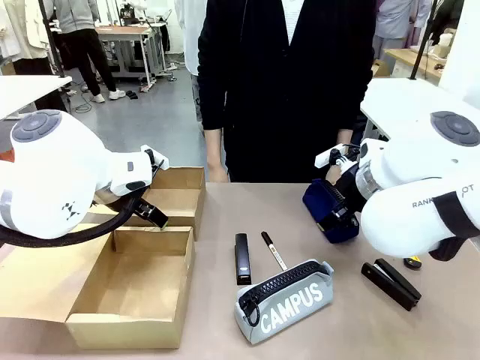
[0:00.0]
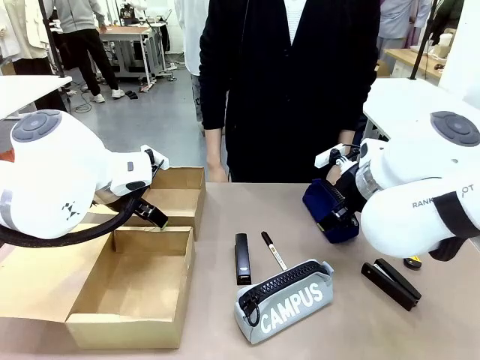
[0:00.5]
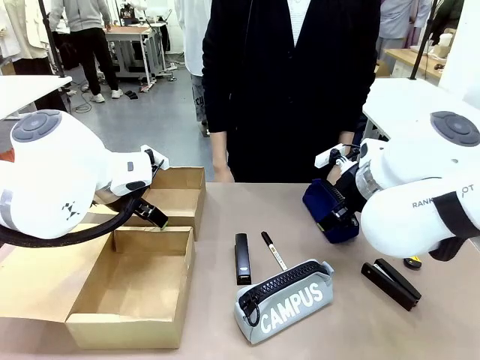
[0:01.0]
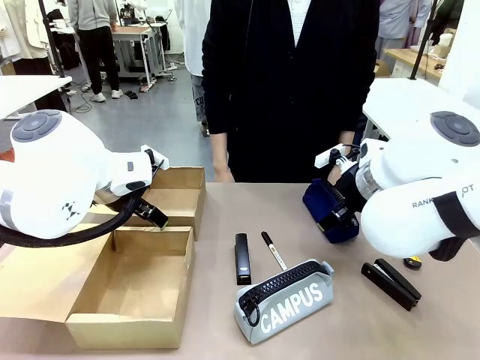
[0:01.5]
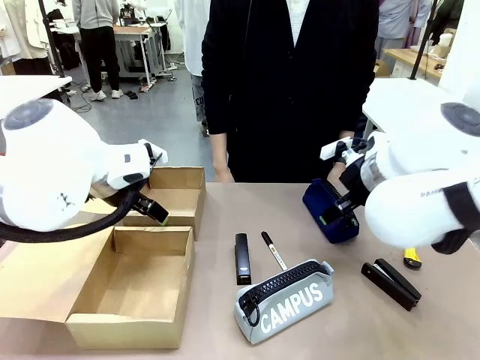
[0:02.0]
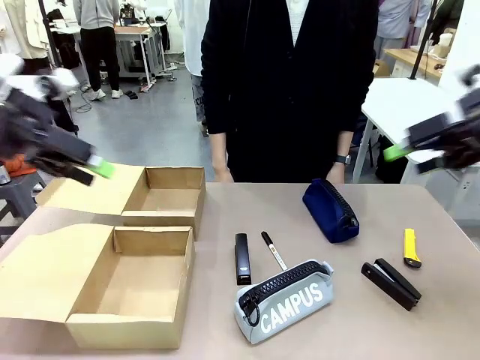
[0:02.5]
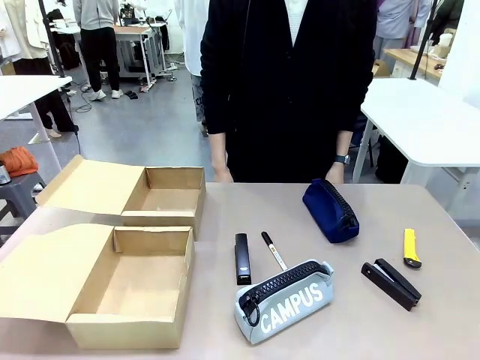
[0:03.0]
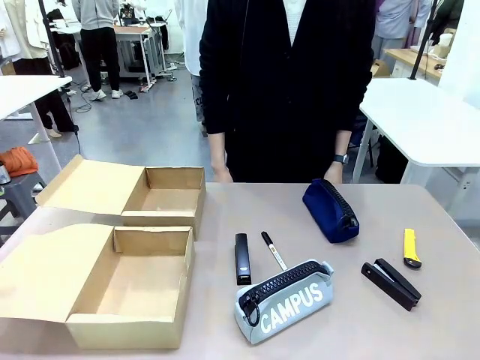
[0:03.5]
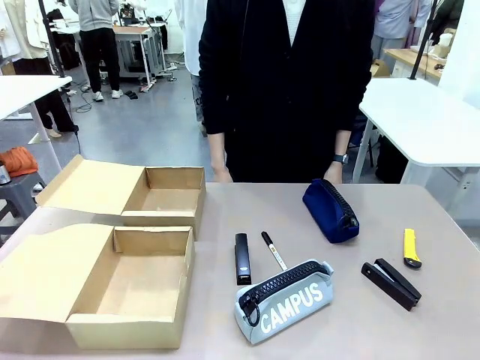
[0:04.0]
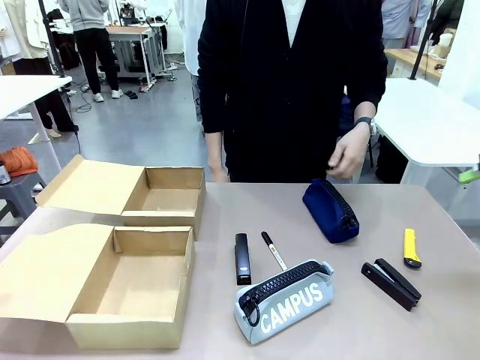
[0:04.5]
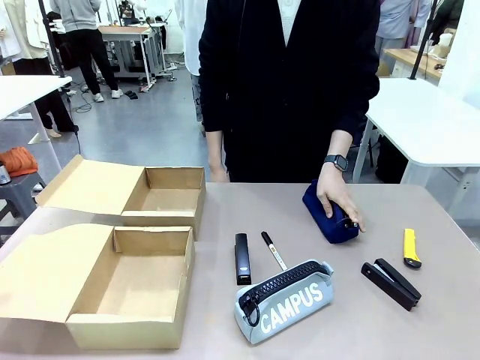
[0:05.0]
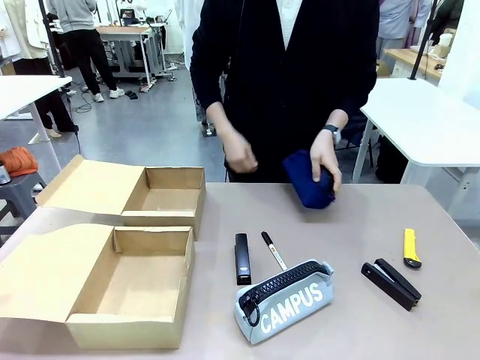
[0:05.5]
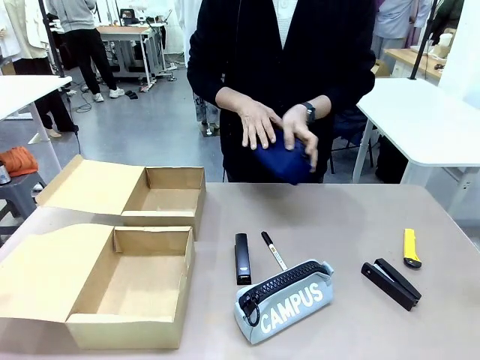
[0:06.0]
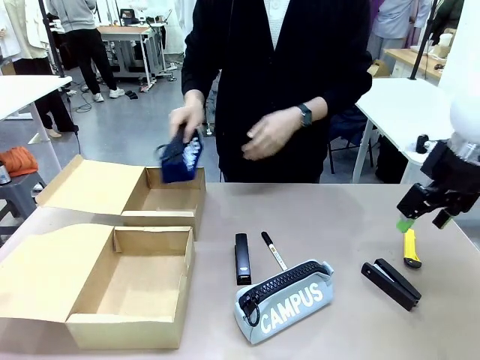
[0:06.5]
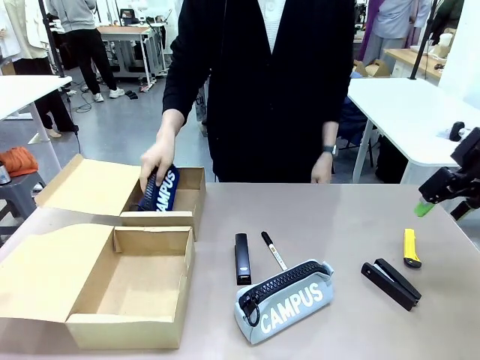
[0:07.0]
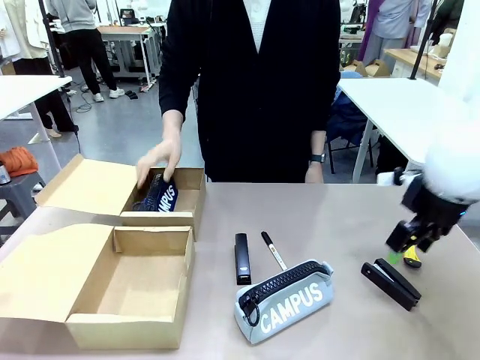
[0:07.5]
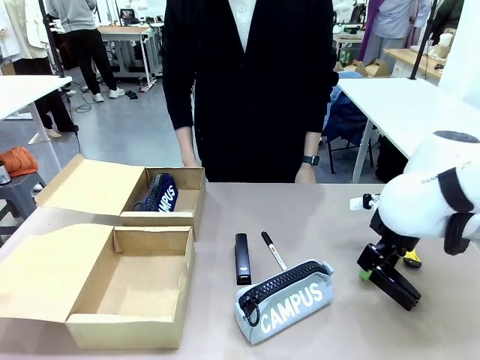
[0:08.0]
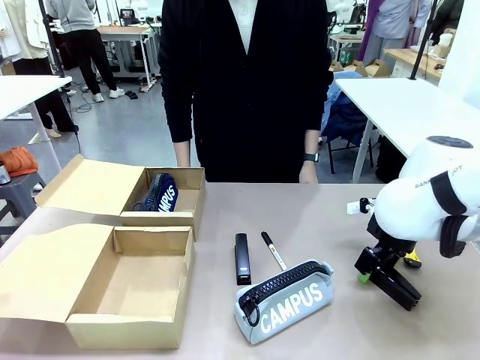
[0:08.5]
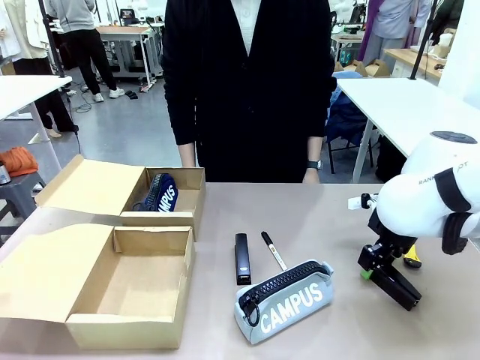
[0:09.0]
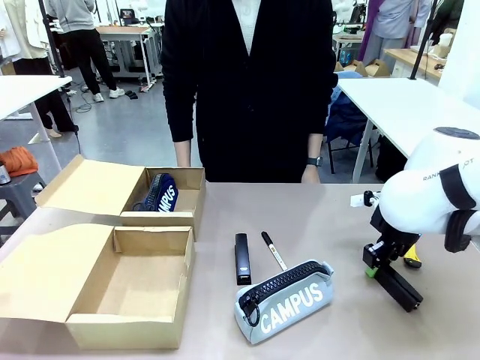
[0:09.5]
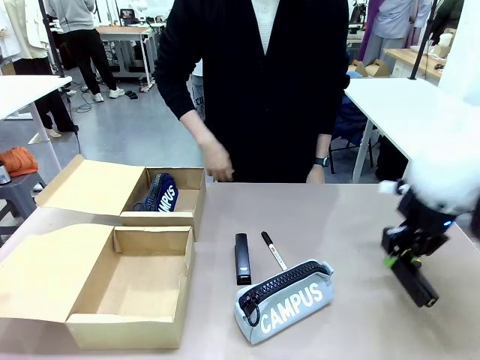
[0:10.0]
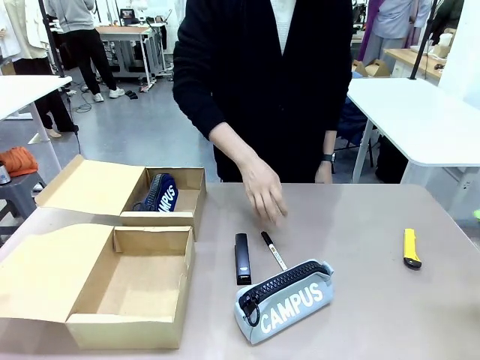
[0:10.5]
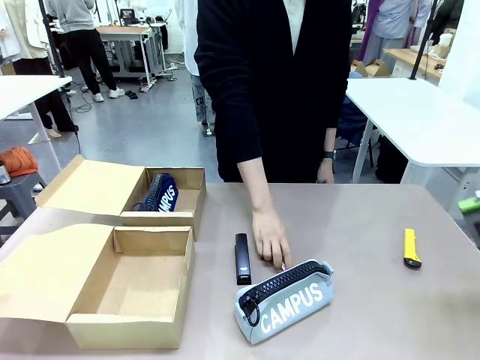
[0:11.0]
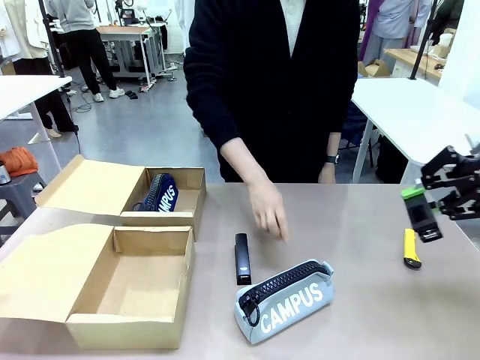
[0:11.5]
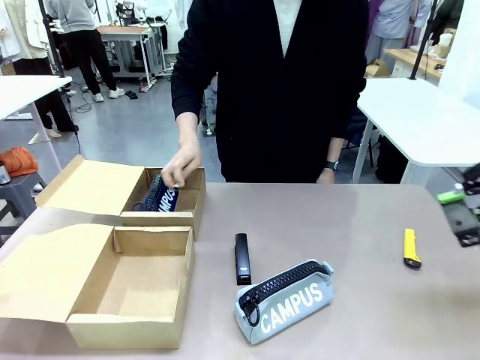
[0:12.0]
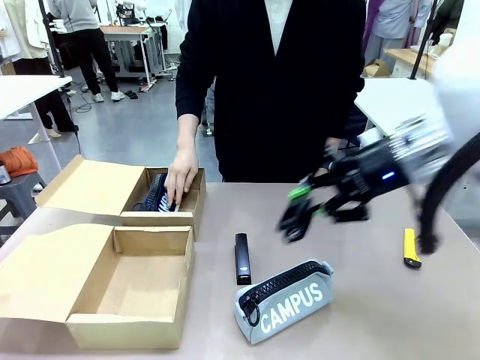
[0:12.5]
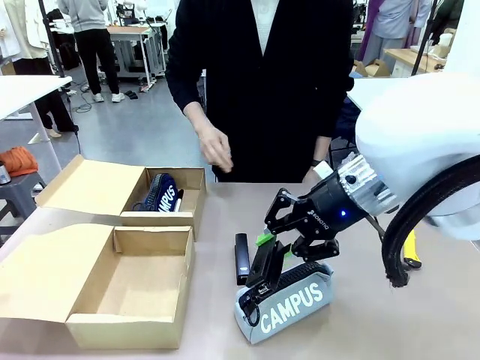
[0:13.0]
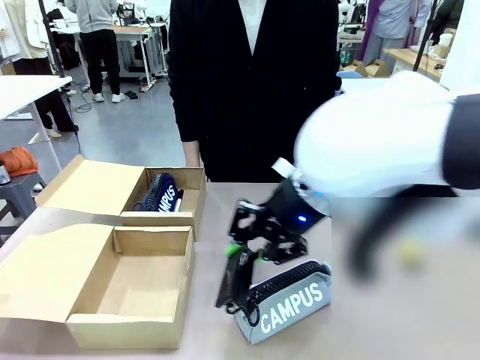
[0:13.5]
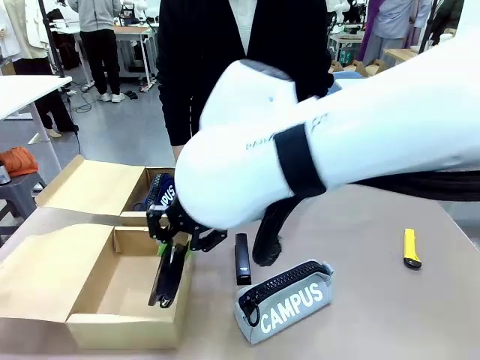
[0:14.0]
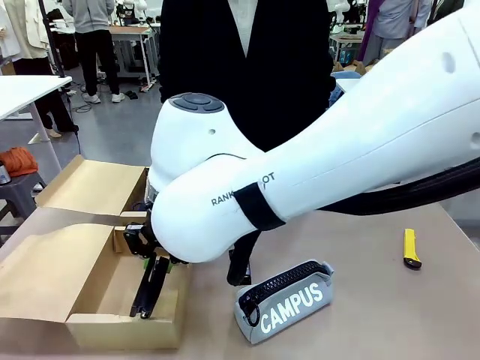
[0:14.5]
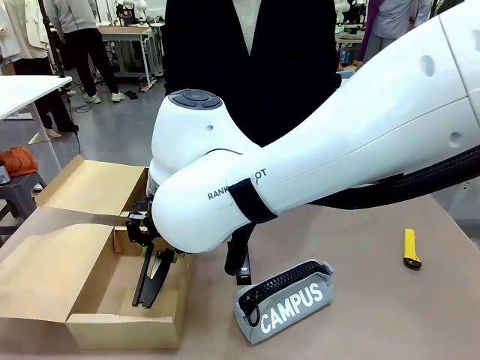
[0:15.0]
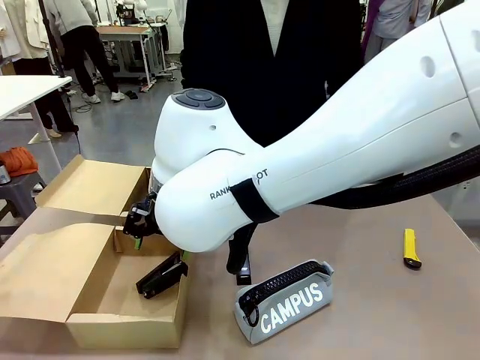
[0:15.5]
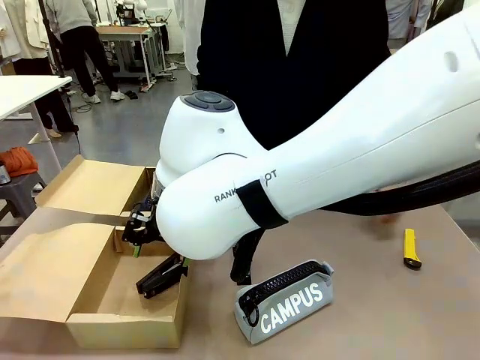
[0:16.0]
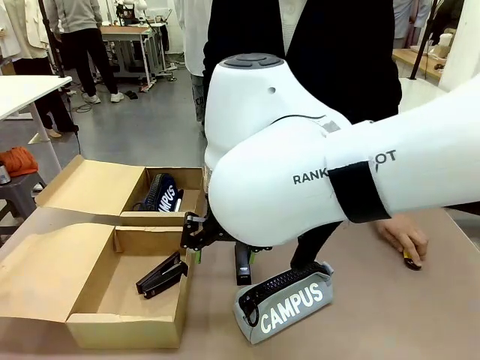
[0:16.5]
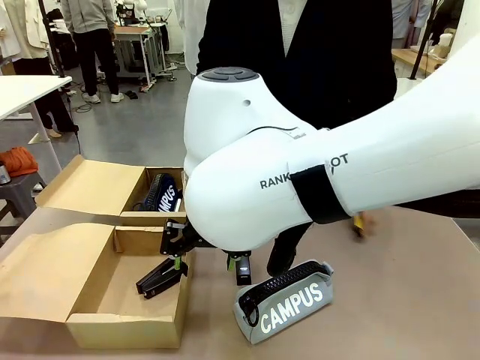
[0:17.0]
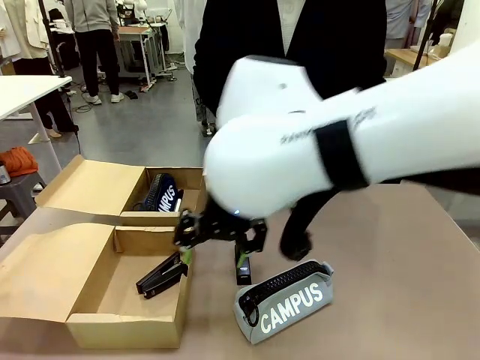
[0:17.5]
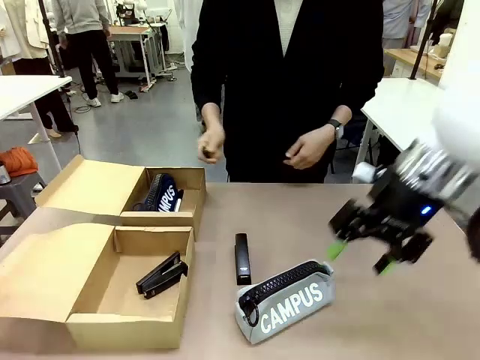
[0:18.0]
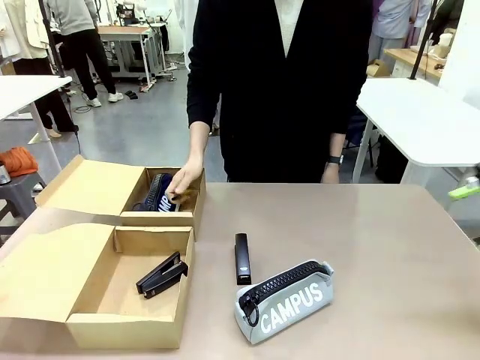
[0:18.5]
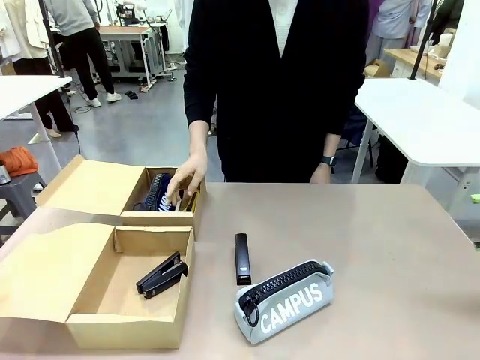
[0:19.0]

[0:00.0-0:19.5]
Task: Place items inside the box.
Robot: Pick up a Pencil pouch or Stapler and place it inside the Mailer Box closest to the robot.
Person: Pick up an object on the table and put it in the box.
